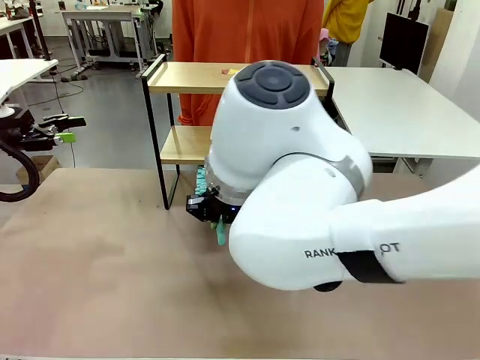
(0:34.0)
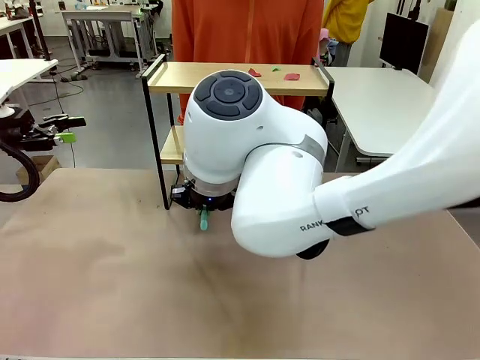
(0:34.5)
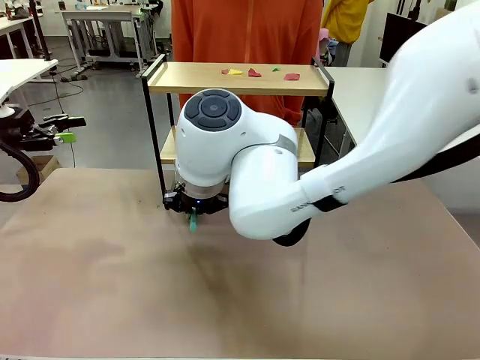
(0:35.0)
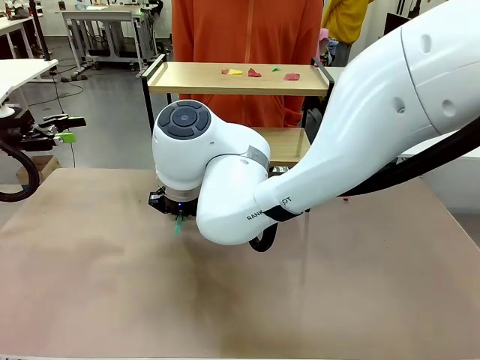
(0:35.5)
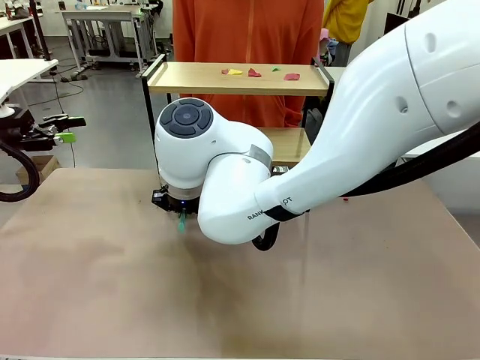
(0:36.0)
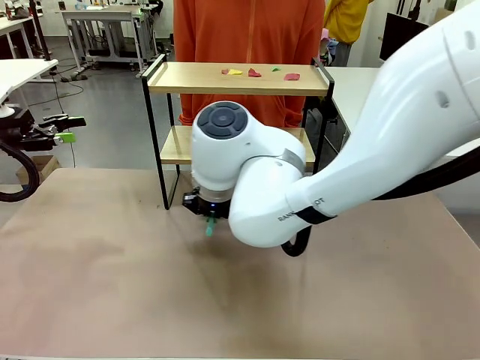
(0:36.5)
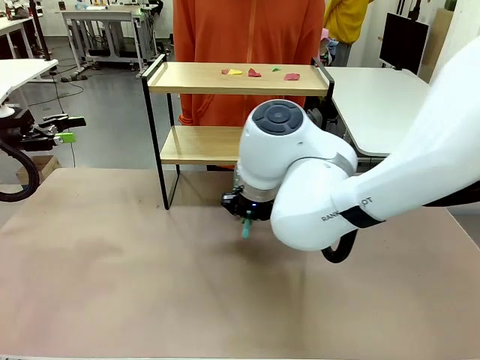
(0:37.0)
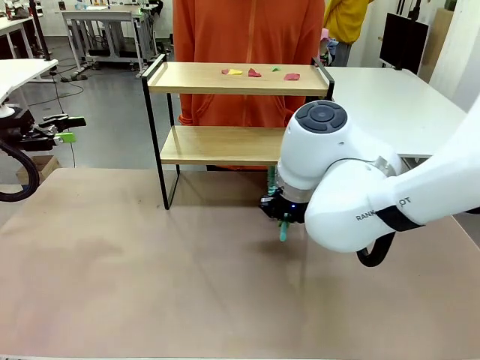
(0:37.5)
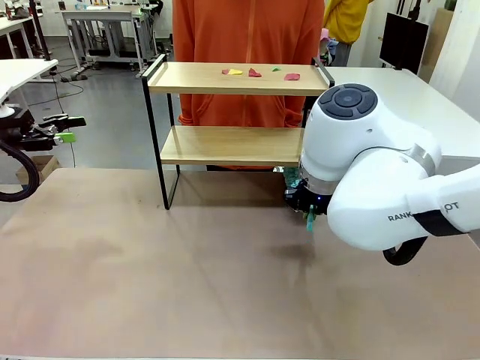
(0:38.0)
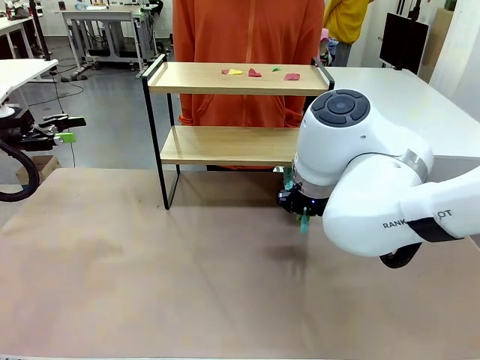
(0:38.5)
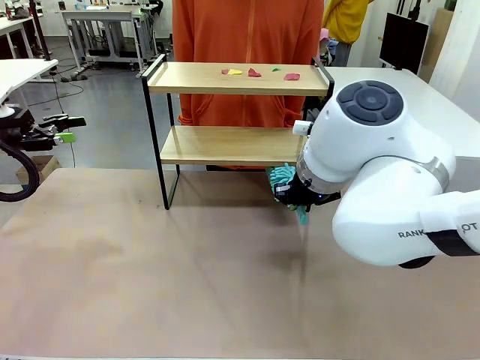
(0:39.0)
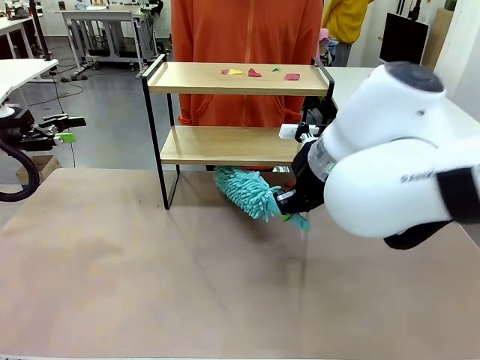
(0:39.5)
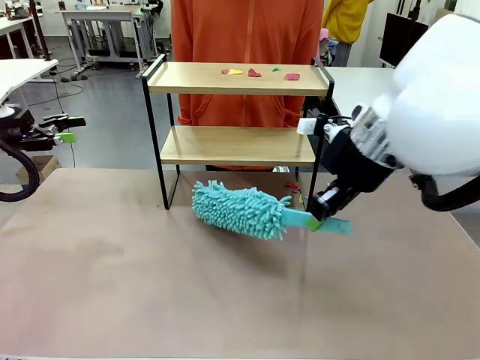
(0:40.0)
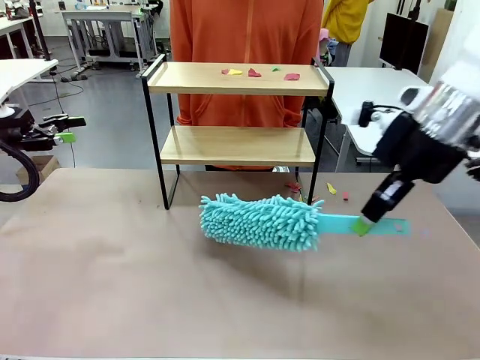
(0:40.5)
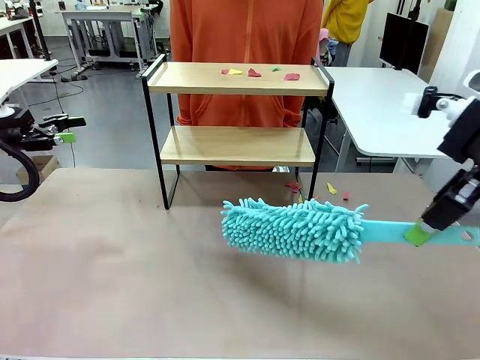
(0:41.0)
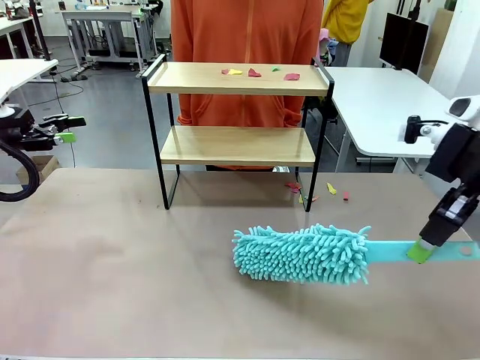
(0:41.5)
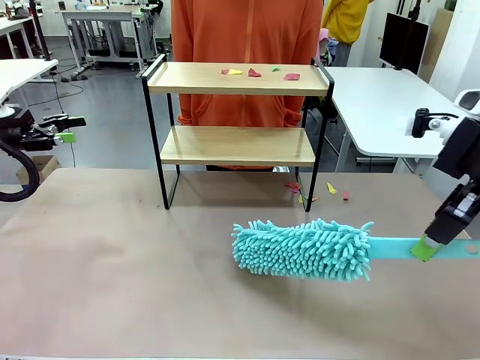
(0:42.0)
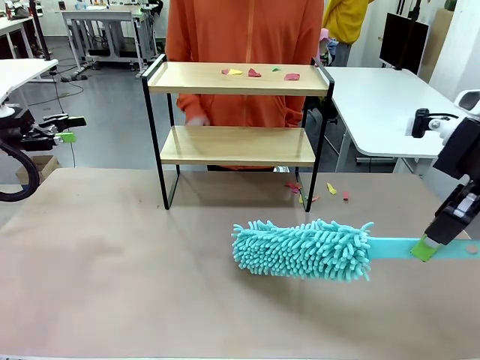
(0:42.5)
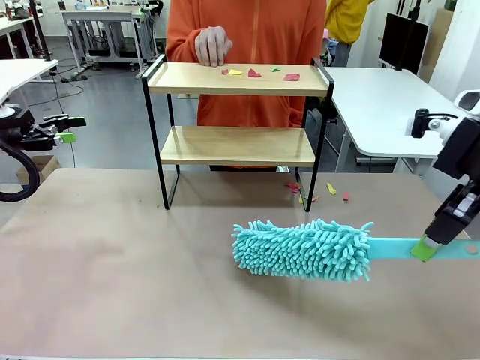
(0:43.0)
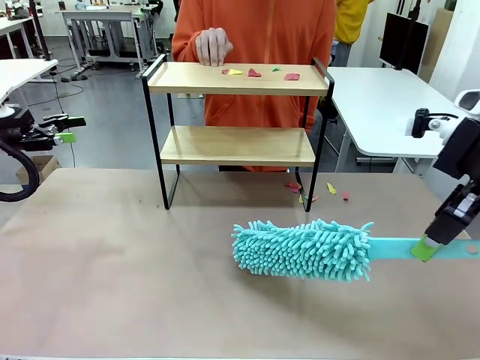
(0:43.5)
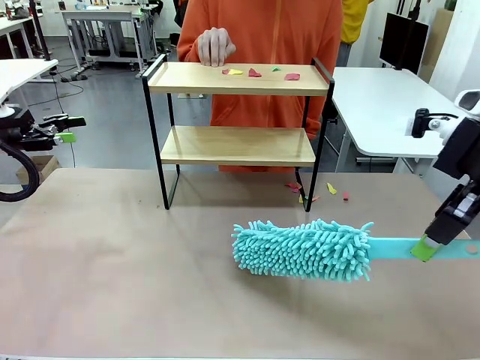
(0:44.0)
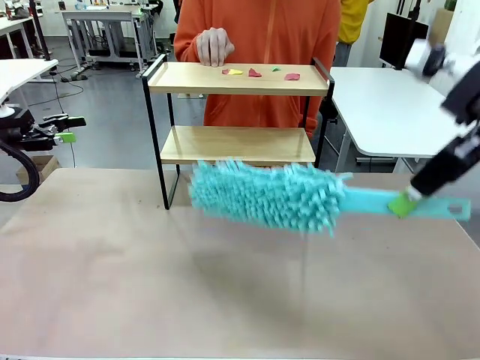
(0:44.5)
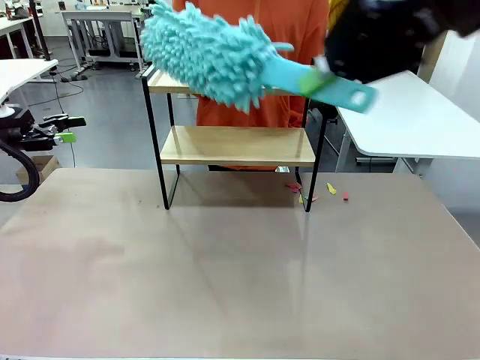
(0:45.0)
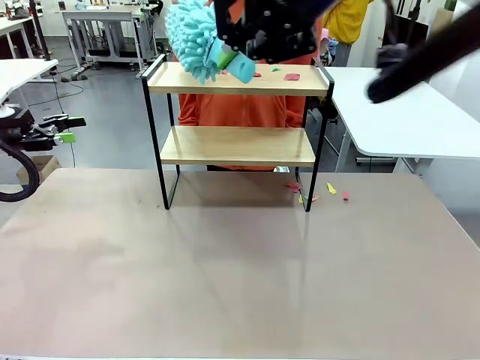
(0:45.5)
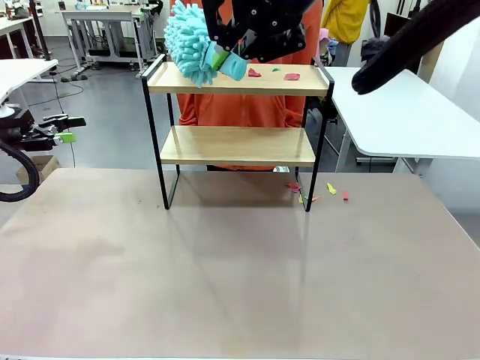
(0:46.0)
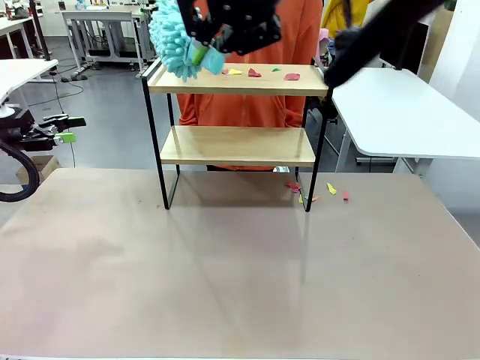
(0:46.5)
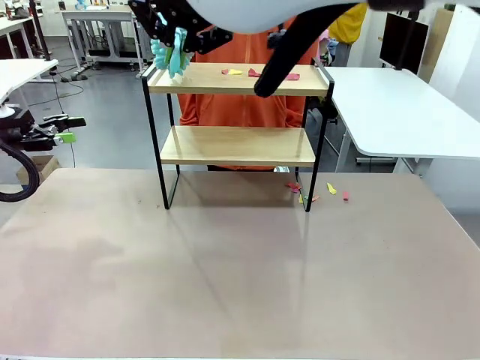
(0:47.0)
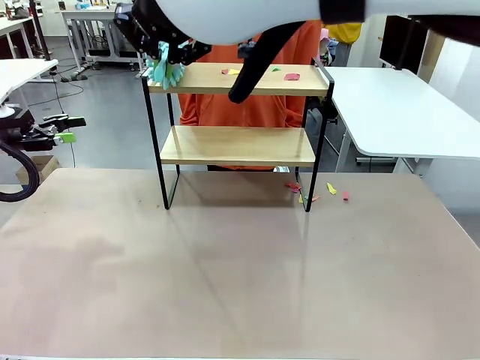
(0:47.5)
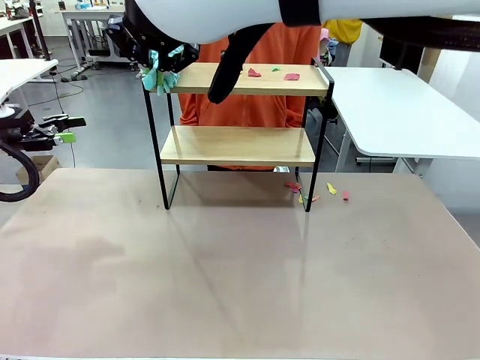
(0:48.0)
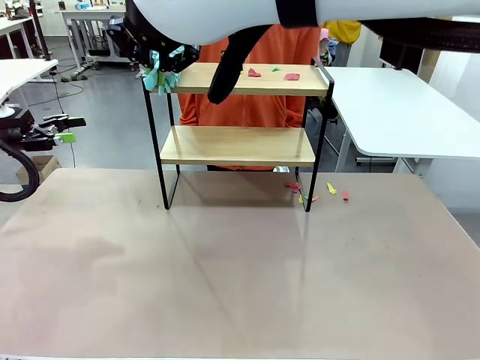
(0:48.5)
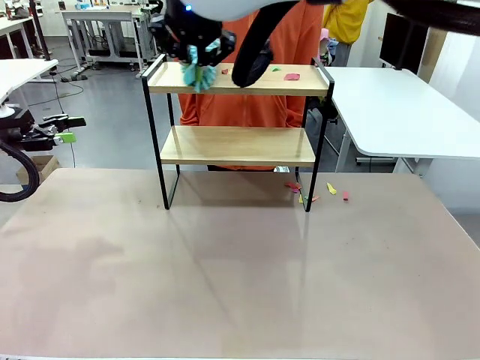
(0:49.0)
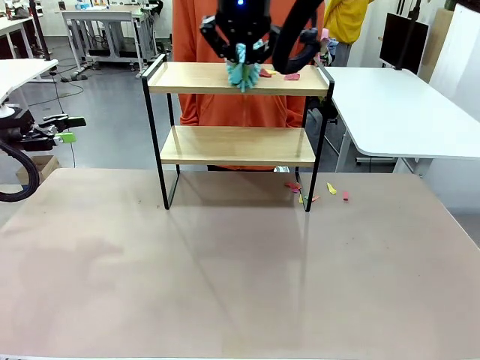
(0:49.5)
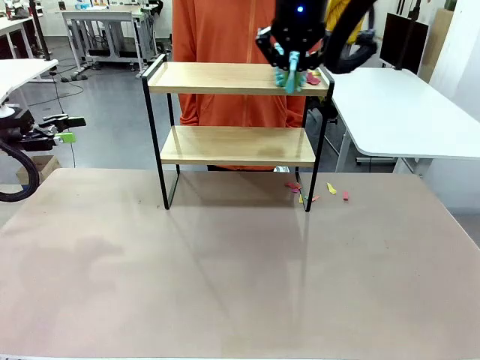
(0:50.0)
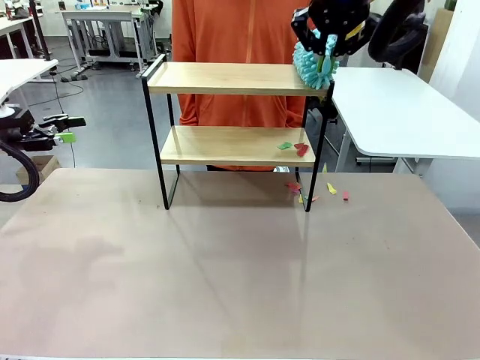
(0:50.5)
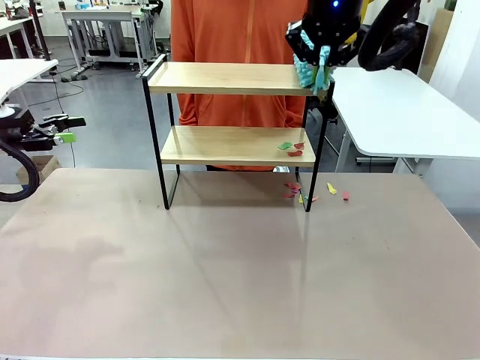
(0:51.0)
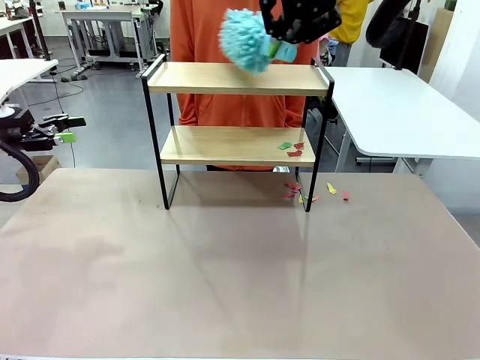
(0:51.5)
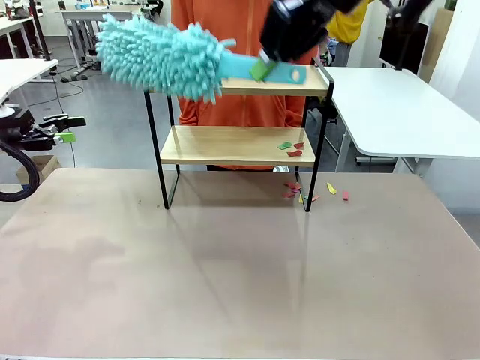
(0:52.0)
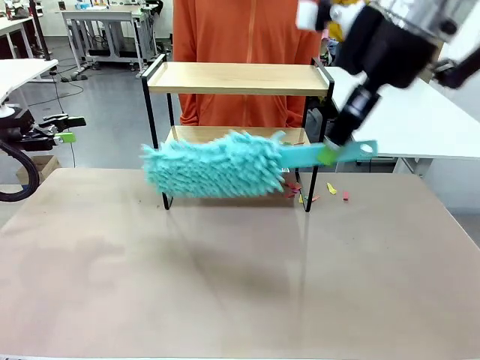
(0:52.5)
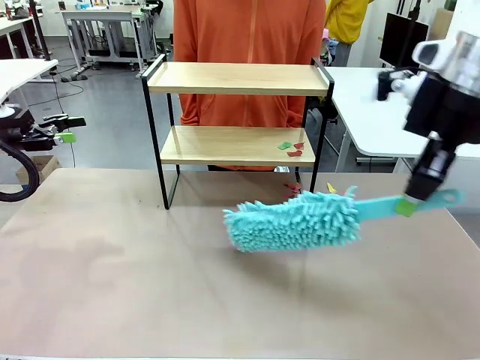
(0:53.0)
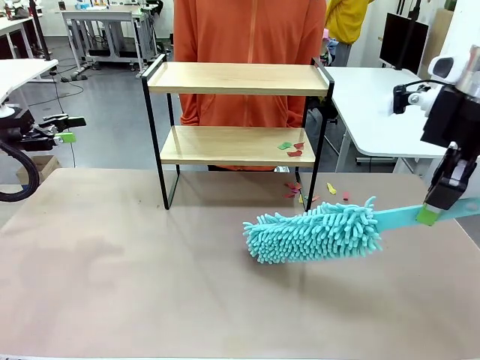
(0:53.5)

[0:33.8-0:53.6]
Task: Clean the shelf.
Robot: Clean the specific section of the Shelf indicated by the human with the Duster.
Person: Point a remaining section of the Shelf.

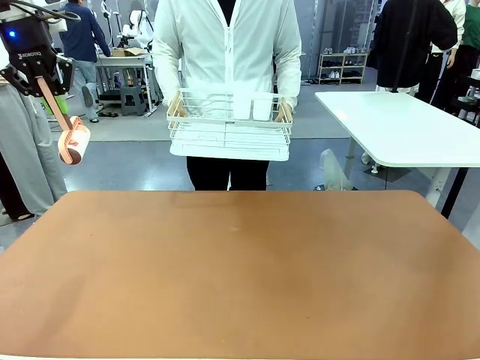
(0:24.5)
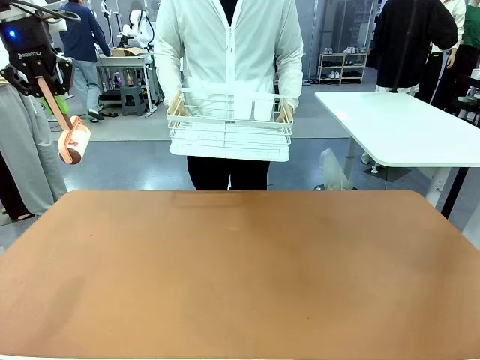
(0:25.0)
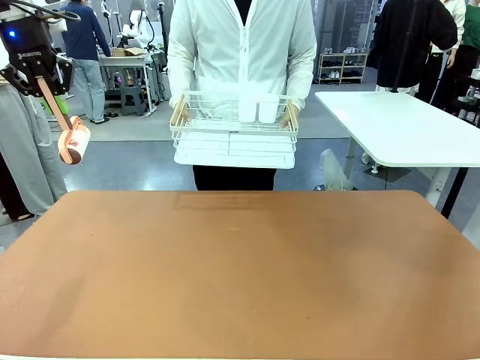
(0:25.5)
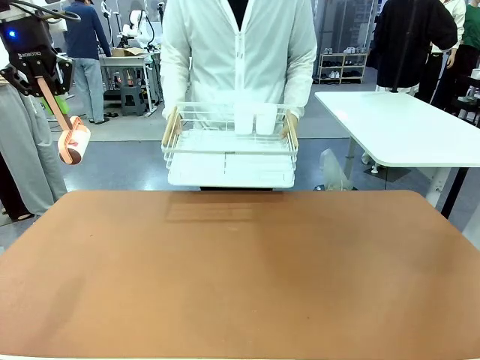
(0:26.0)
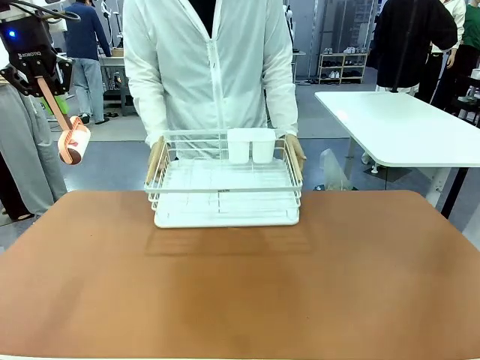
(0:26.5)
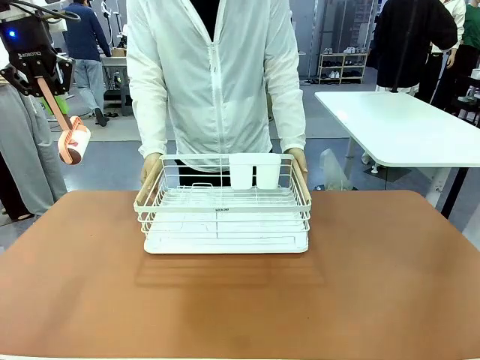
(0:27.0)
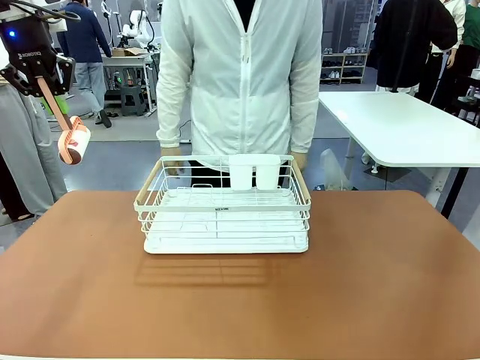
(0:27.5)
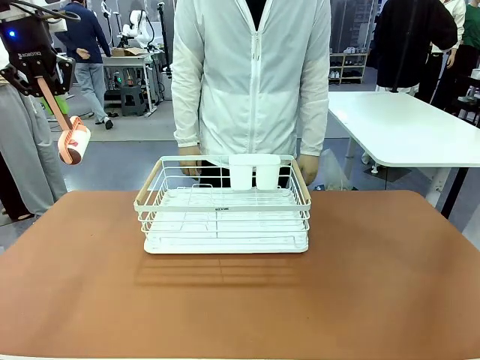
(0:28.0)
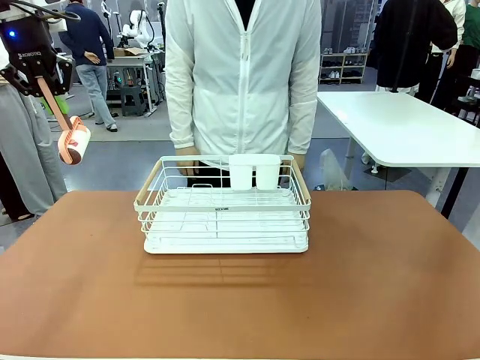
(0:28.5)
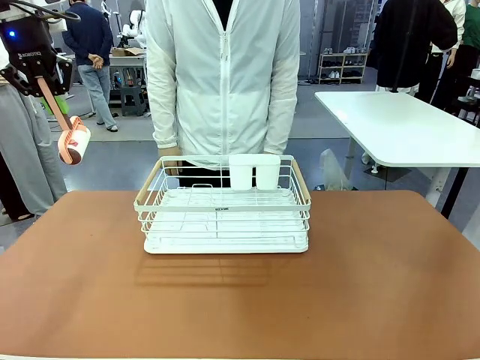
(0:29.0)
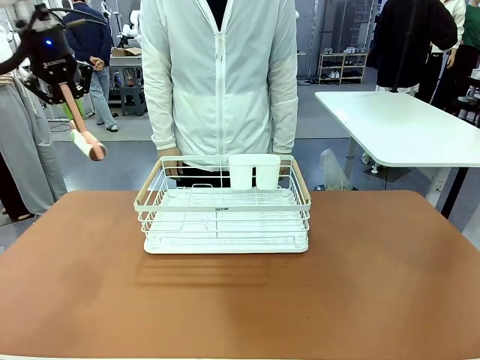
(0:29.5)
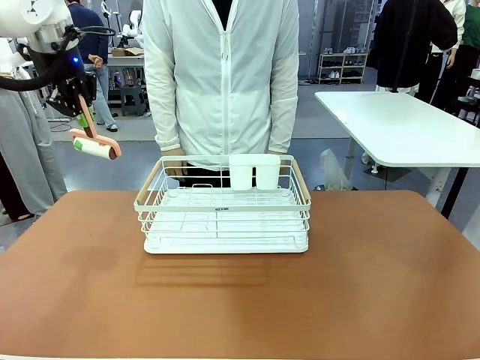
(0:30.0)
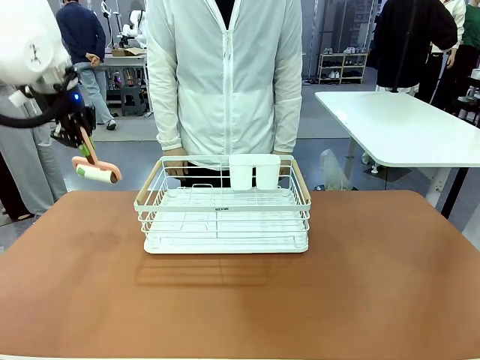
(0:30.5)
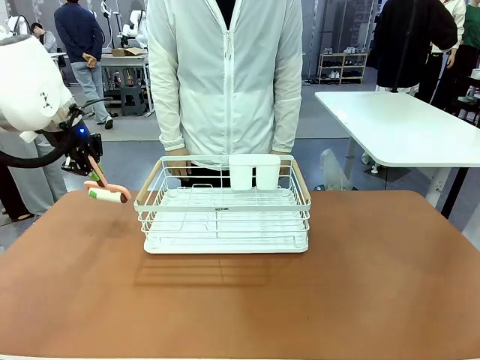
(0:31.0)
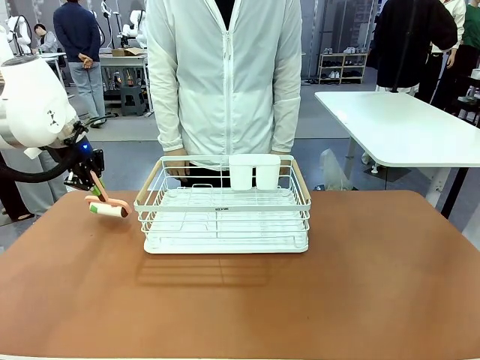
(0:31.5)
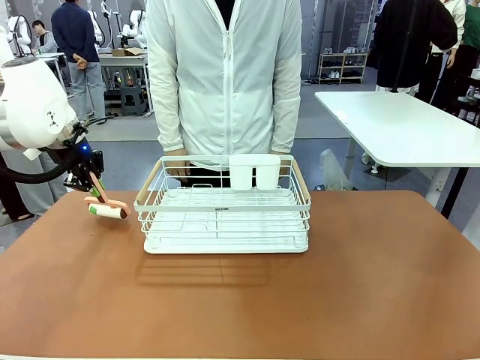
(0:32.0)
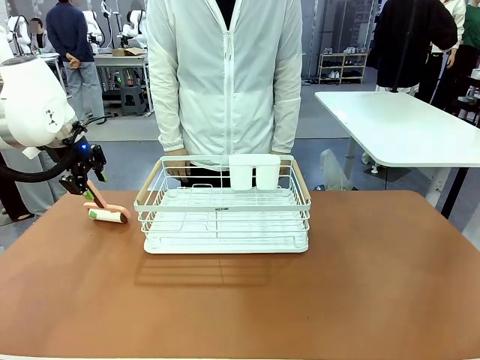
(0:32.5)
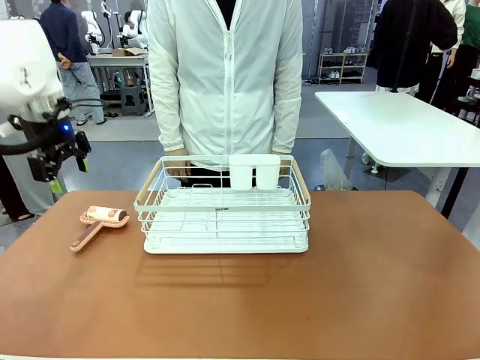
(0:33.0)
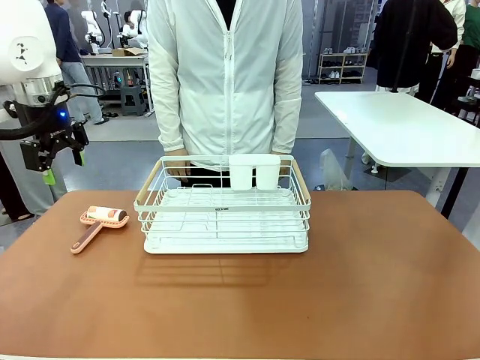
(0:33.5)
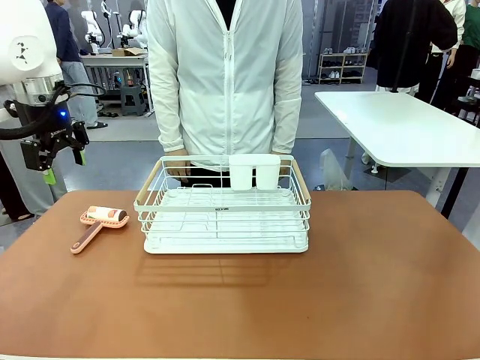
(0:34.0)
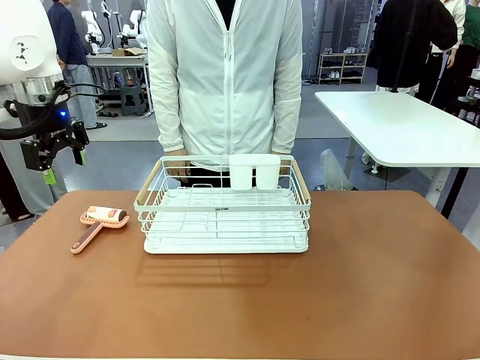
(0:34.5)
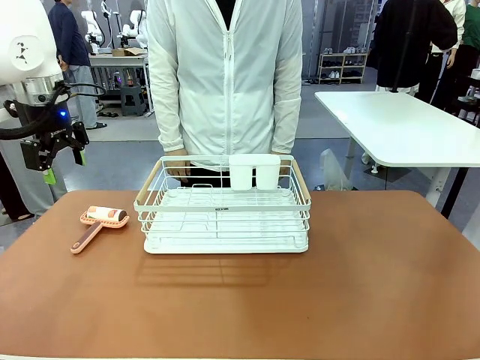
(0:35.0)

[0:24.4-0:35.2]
Task: Clean the table.
Robot: Place the Lint Roller down when the Dish drying rack is positioned in the middle of the table.
Person: Place the Dish drying rack down when the robot finishes cleaning.
